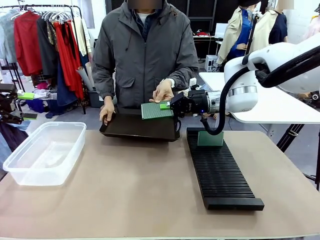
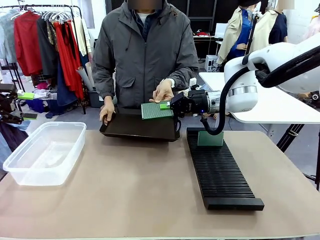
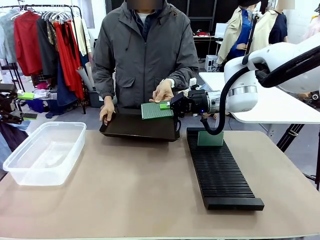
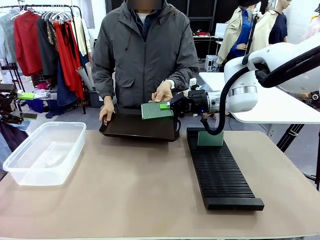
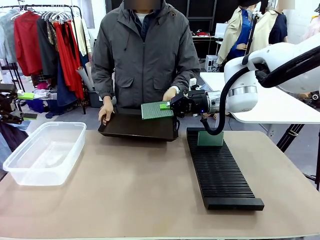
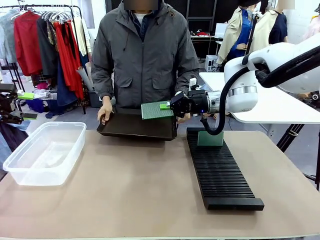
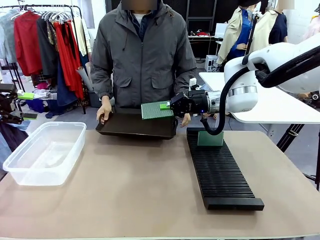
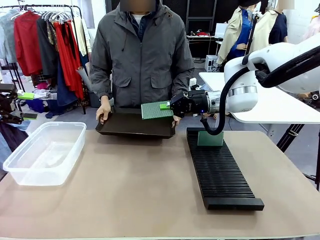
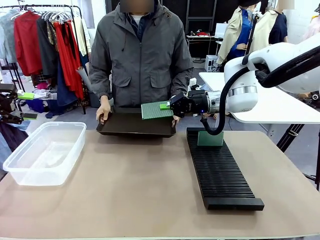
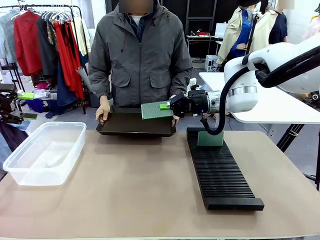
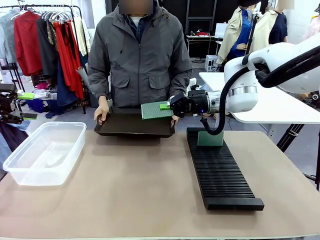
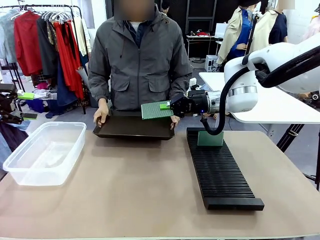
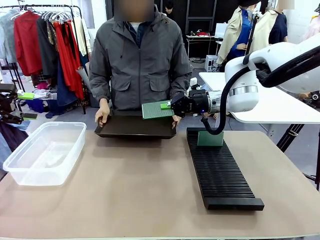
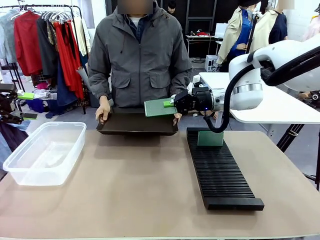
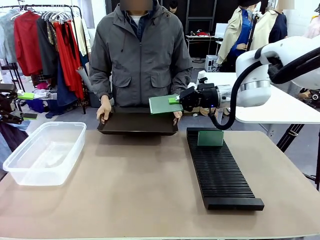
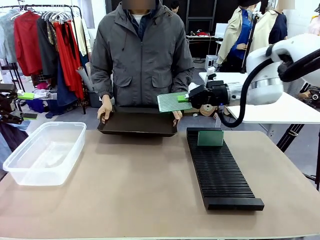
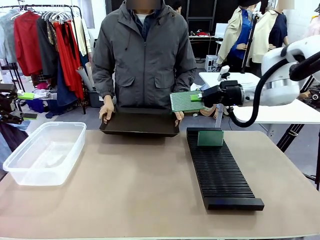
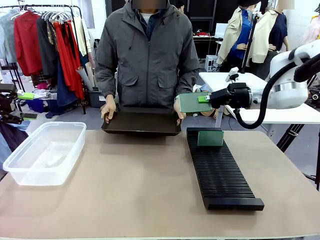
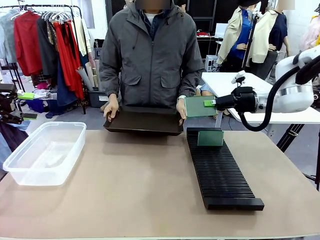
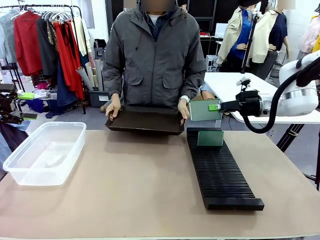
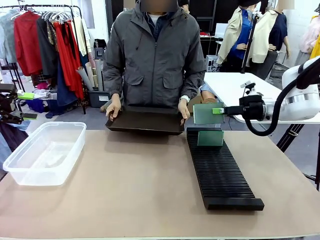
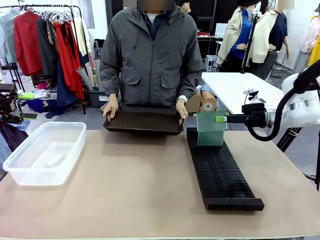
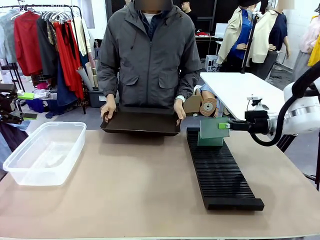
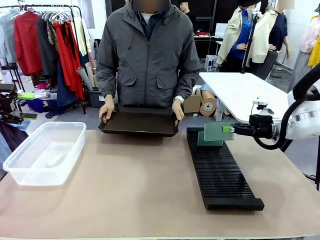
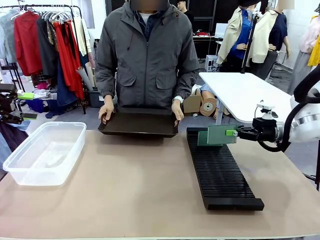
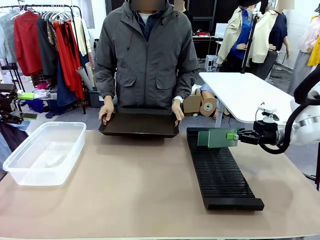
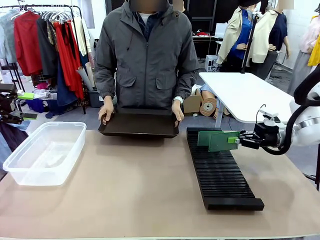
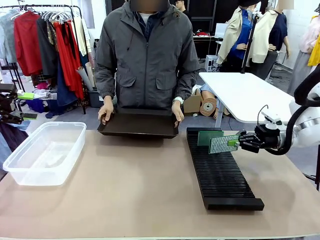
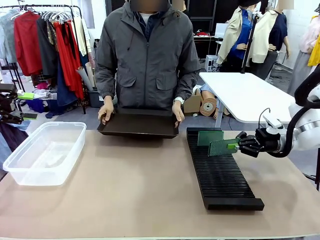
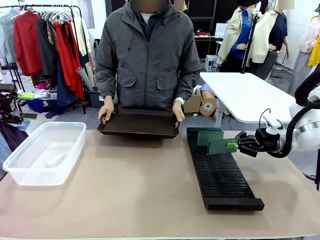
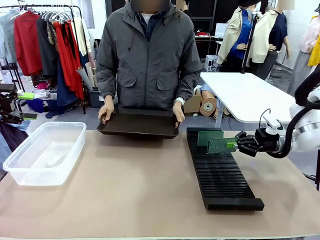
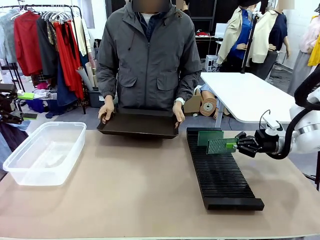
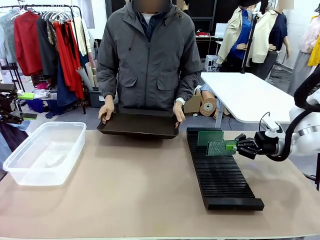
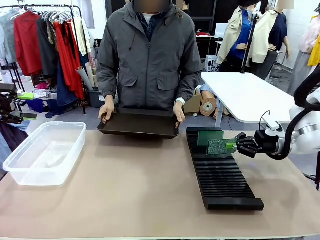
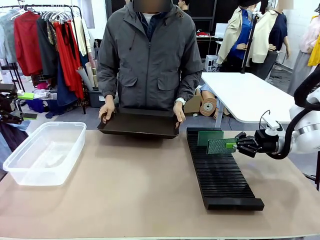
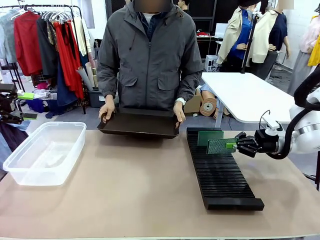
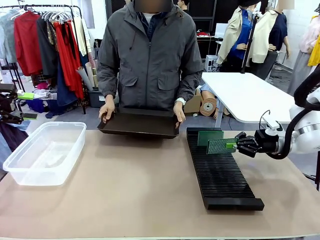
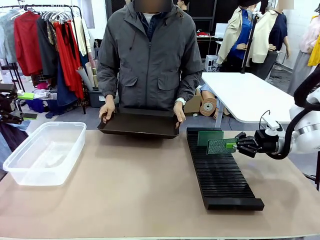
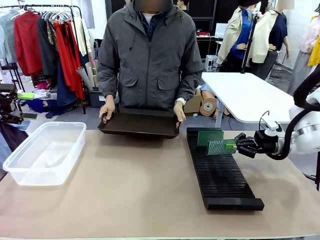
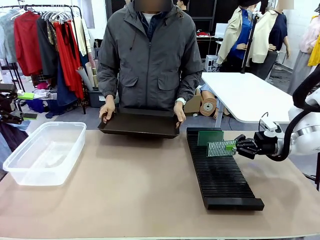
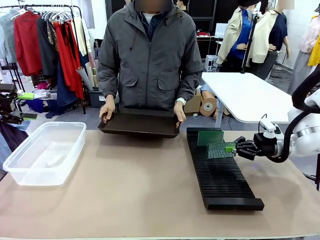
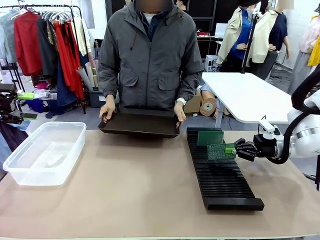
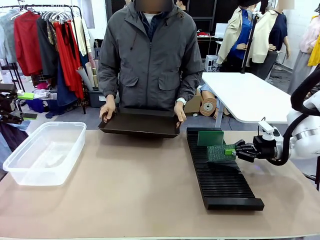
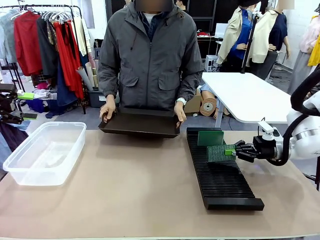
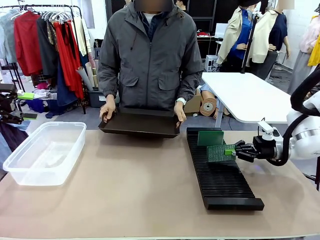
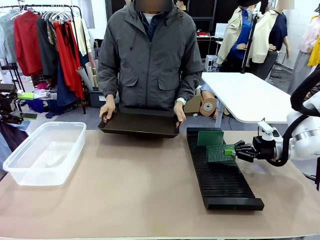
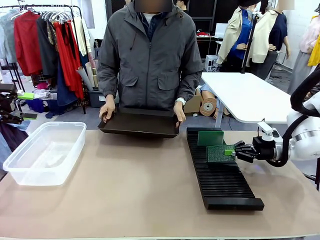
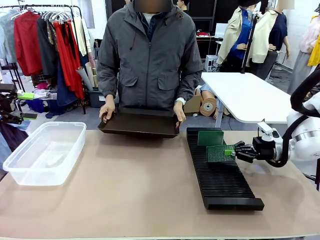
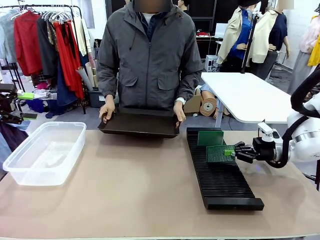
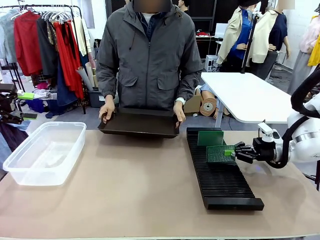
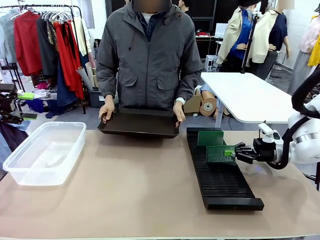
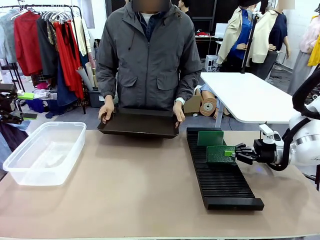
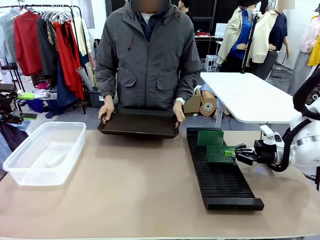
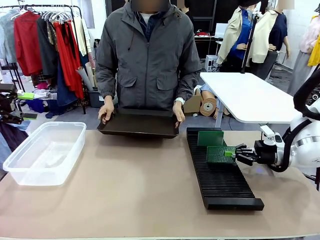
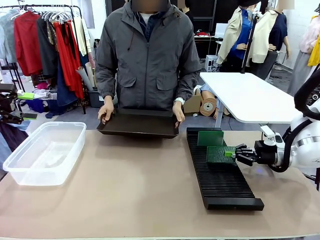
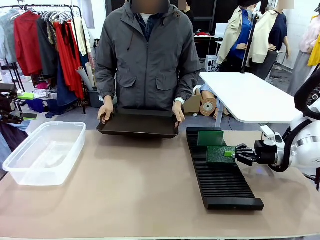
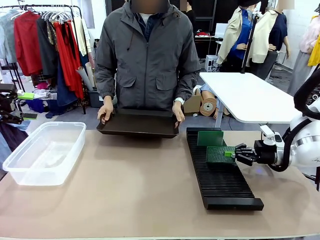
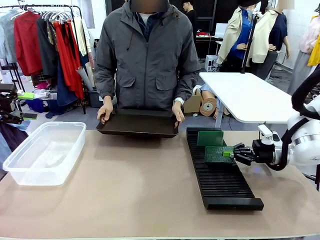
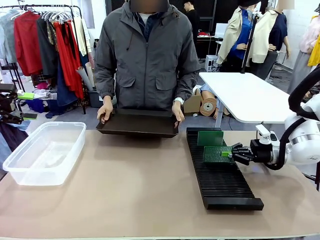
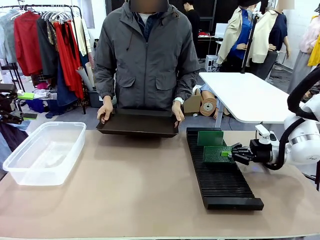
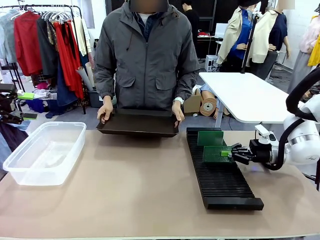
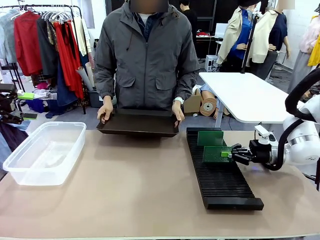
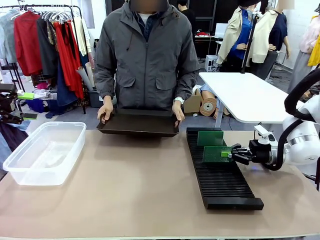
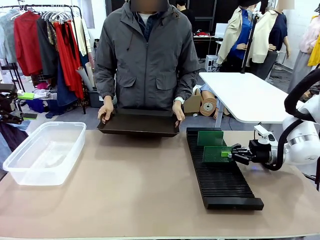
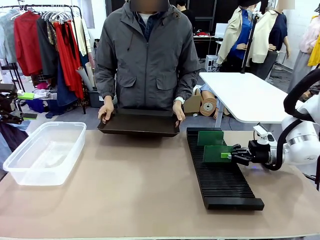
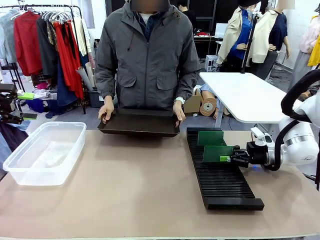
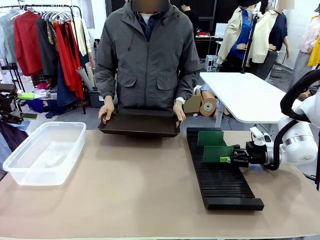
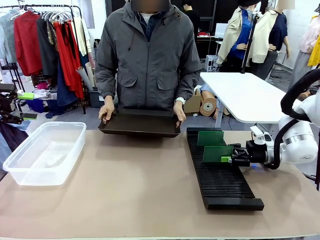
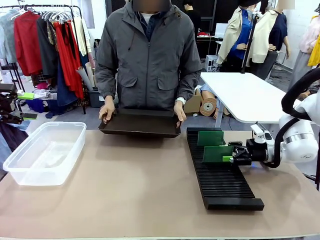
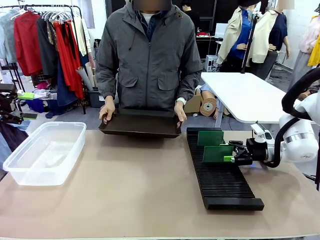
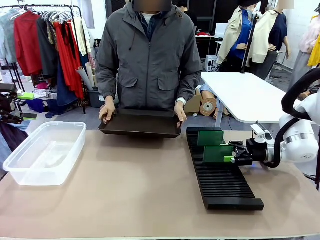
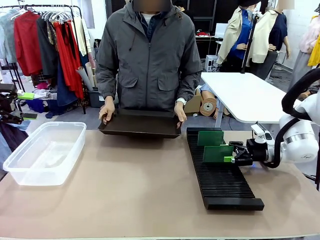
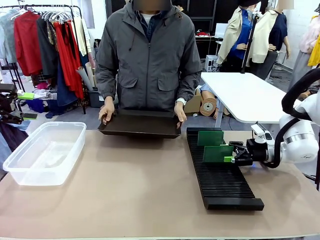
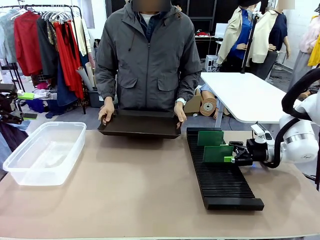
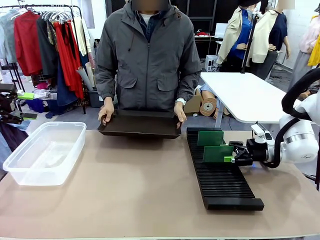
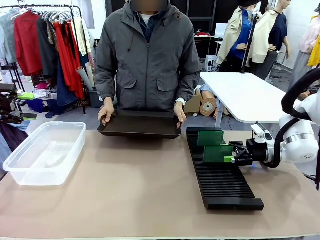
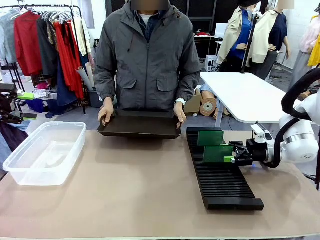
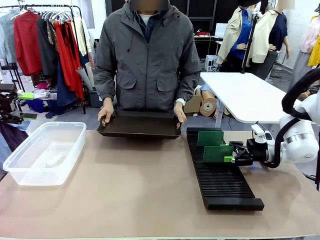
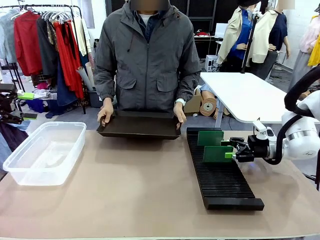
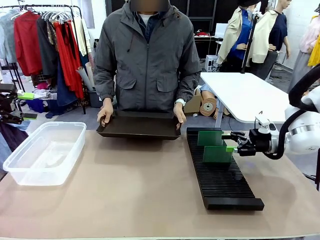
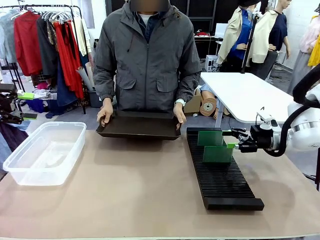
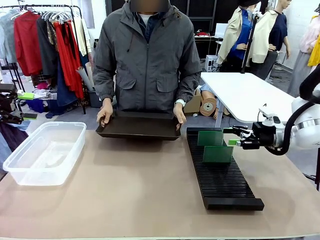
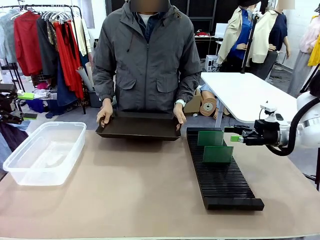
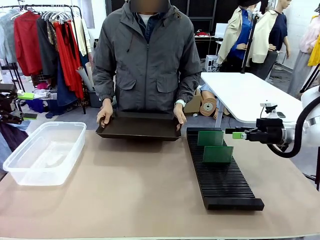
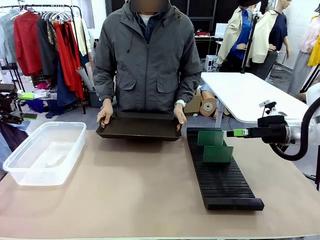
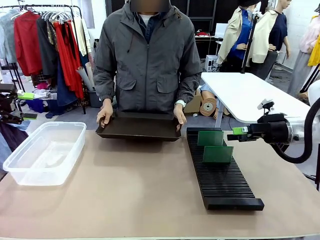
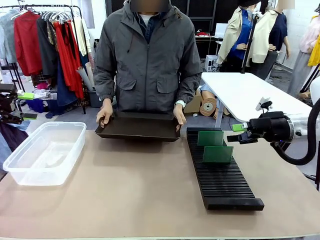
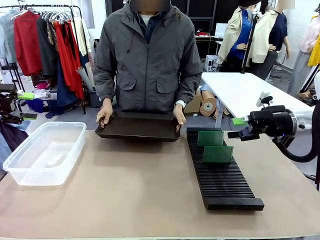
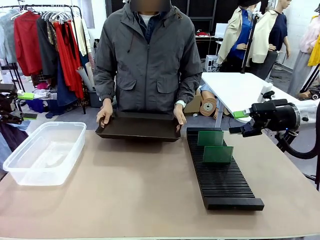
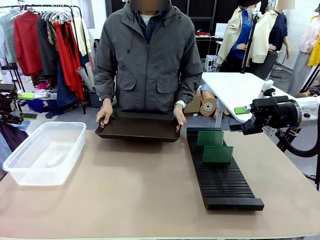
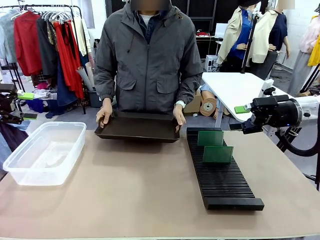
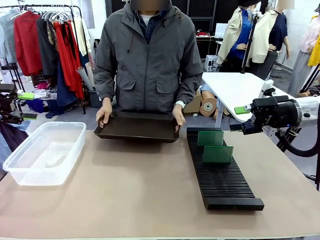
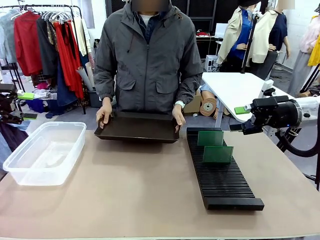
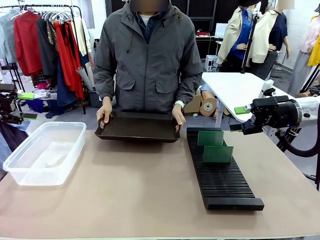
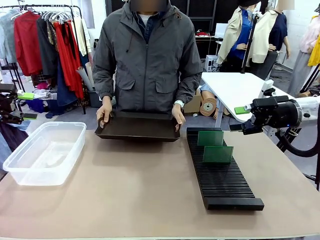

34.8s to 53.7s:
Task: Sort PCBs into racks and boxes based on the side picked up.
Robot: If the short side of the Blank PCB is picked up, insert it into the PCB Rack ; if the long side is picked up, place it in the Organizing box.
Person: Release the PCB being held.

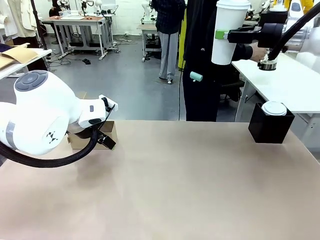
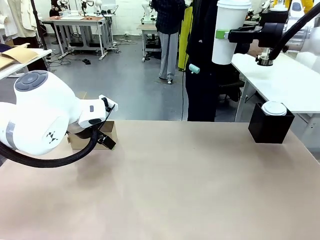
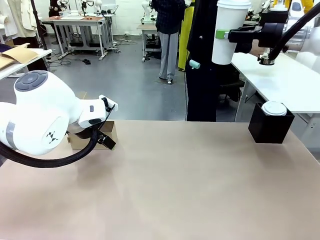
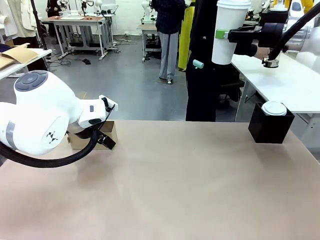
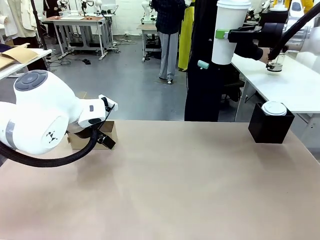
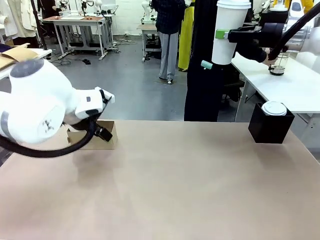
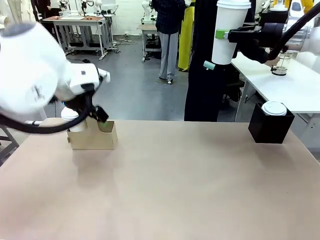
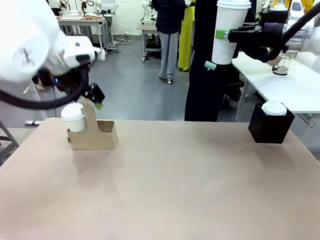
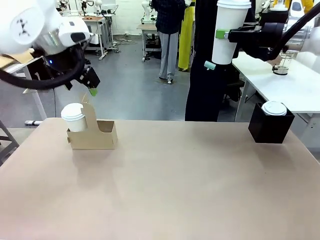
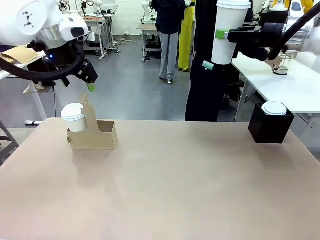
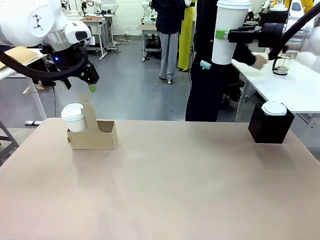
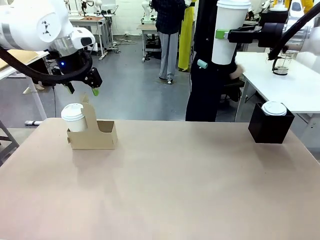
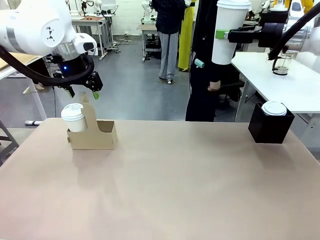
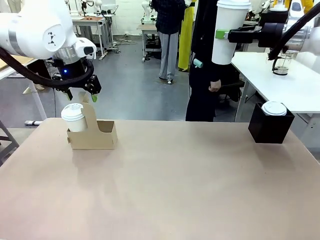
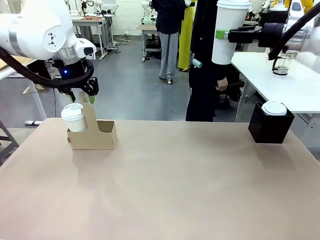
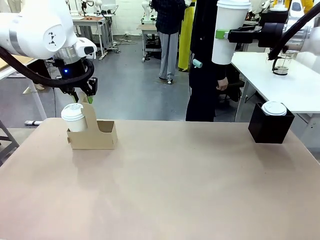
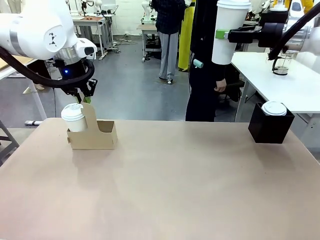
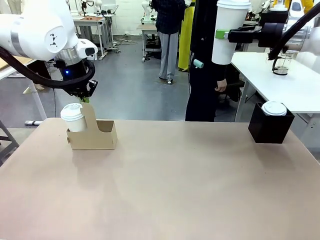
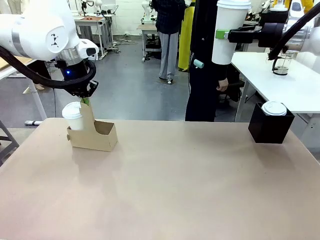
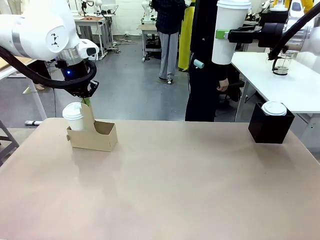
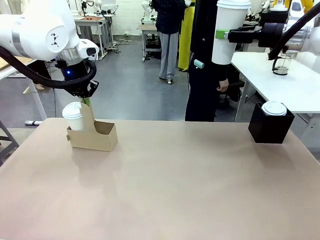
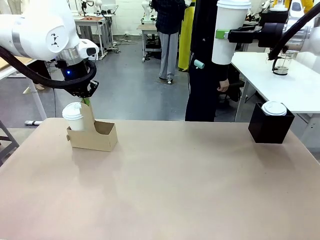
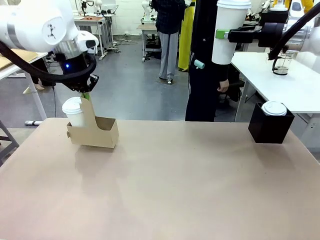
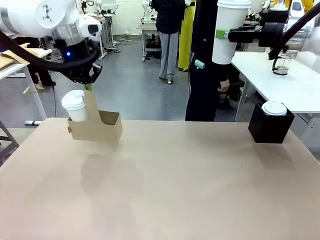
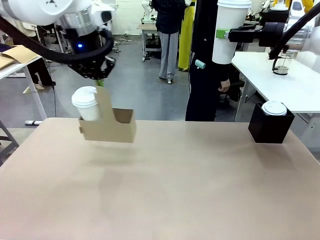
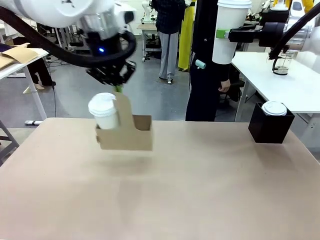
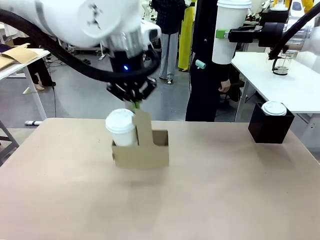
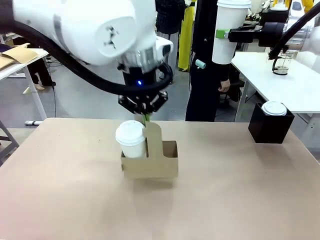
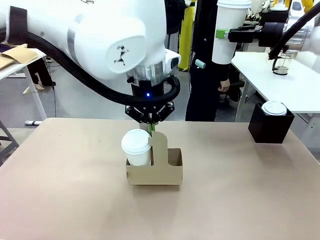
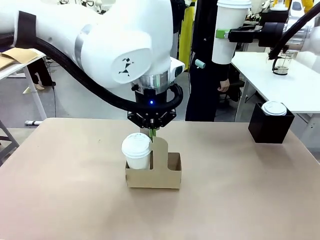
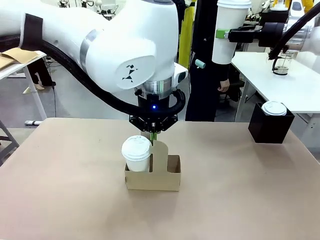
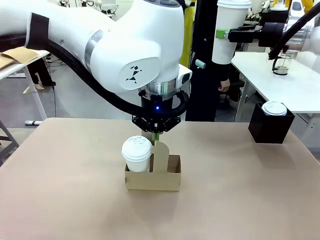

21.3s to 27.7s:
Task: Pour a drink into a cup and package it in a carrier.
Robot: Position the Cup Carrier in the center of the table.
Person: Pick up the Filter Brewing and place on the middle of Human table, and return to the Robot table.
